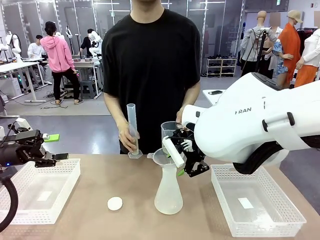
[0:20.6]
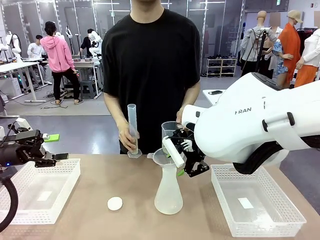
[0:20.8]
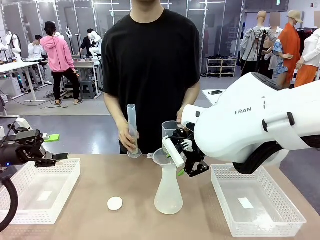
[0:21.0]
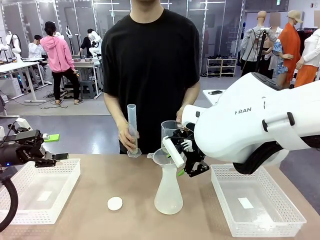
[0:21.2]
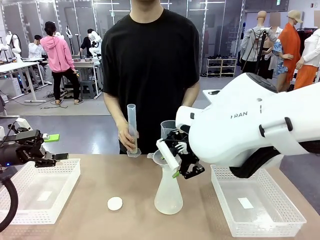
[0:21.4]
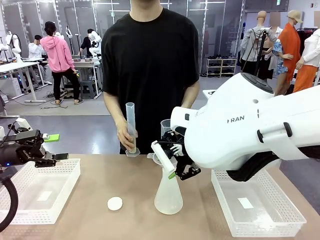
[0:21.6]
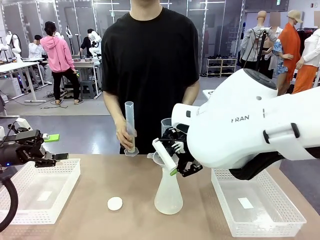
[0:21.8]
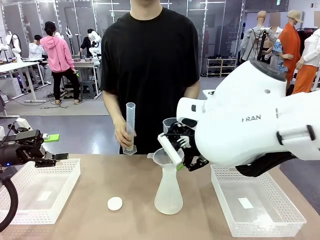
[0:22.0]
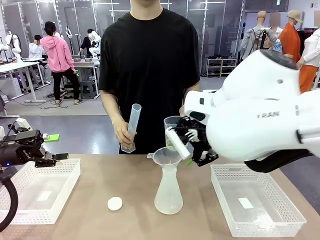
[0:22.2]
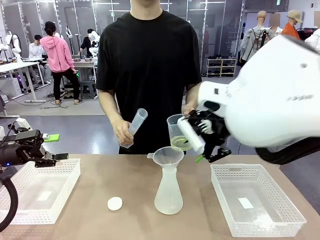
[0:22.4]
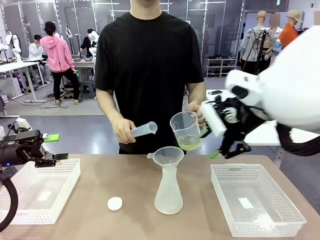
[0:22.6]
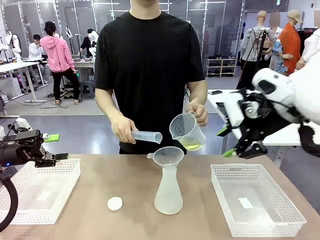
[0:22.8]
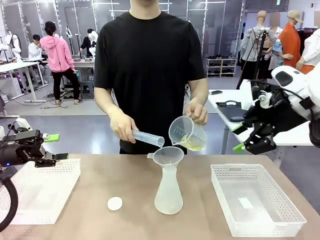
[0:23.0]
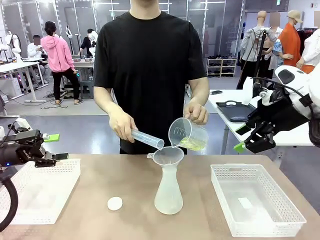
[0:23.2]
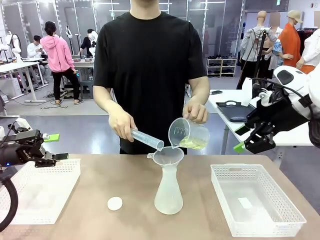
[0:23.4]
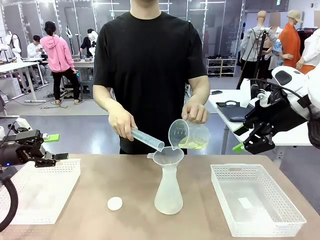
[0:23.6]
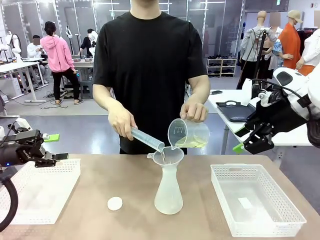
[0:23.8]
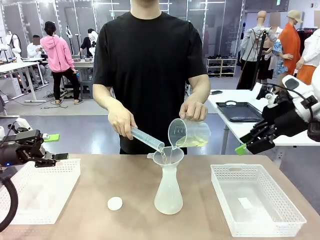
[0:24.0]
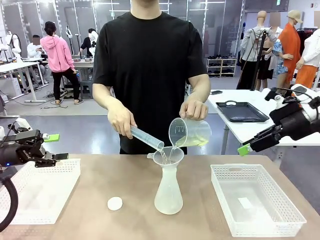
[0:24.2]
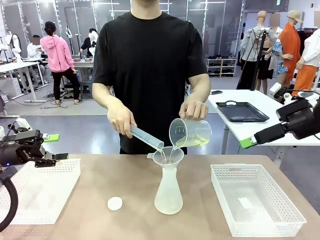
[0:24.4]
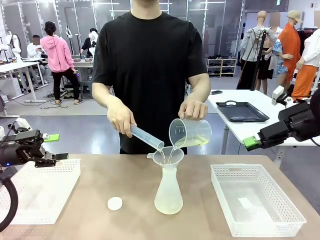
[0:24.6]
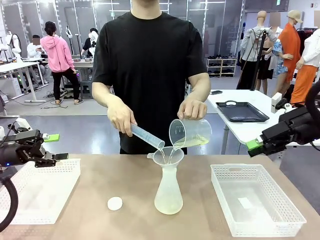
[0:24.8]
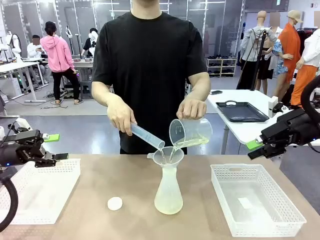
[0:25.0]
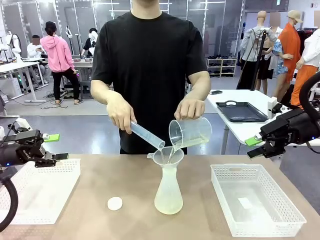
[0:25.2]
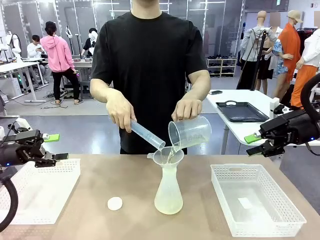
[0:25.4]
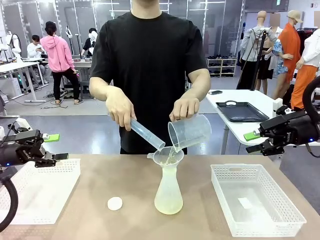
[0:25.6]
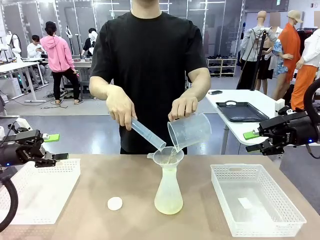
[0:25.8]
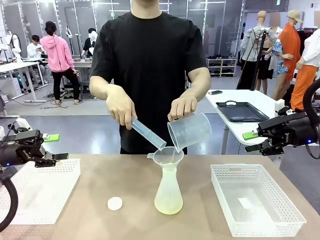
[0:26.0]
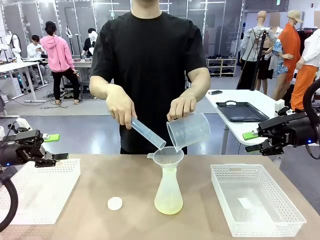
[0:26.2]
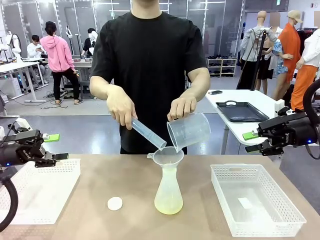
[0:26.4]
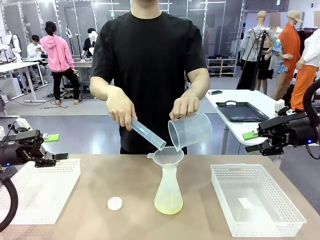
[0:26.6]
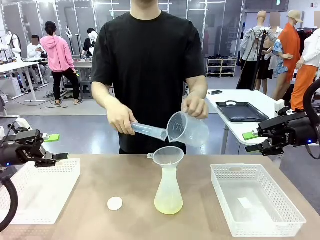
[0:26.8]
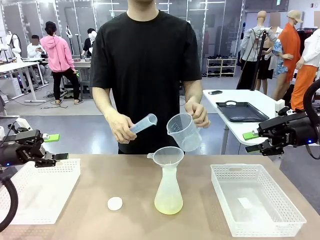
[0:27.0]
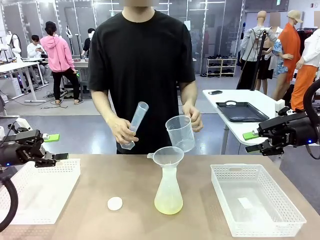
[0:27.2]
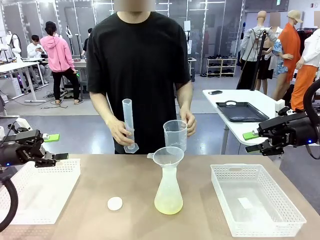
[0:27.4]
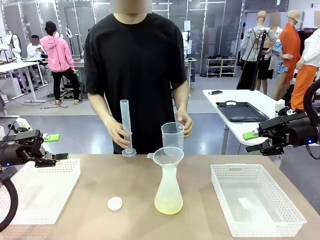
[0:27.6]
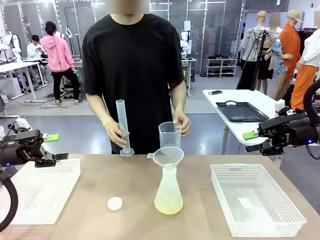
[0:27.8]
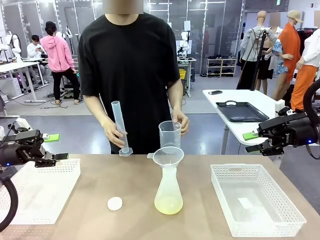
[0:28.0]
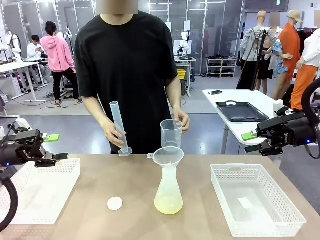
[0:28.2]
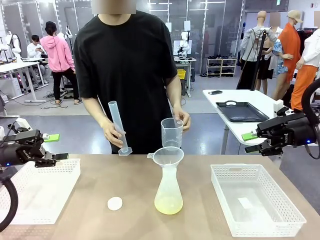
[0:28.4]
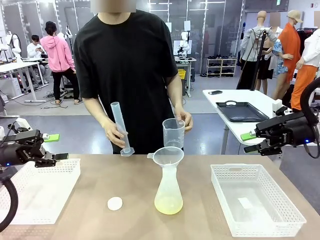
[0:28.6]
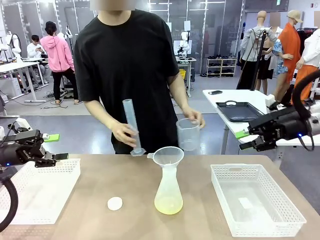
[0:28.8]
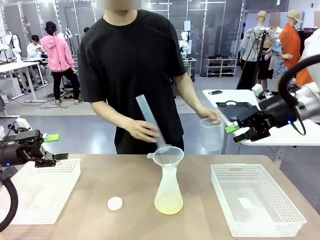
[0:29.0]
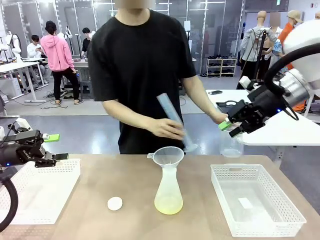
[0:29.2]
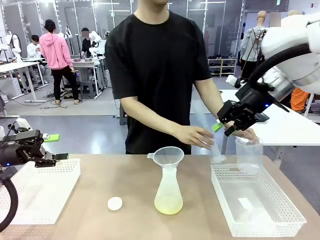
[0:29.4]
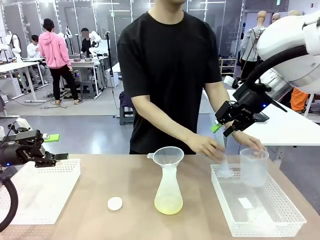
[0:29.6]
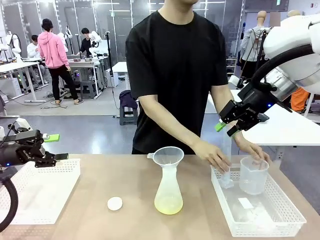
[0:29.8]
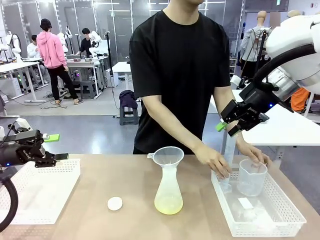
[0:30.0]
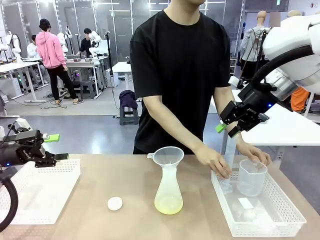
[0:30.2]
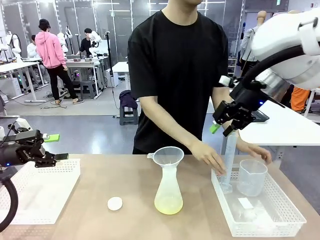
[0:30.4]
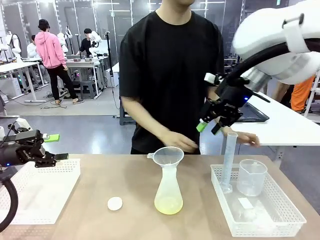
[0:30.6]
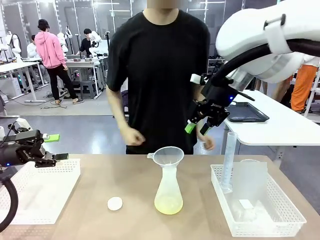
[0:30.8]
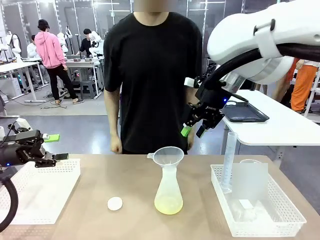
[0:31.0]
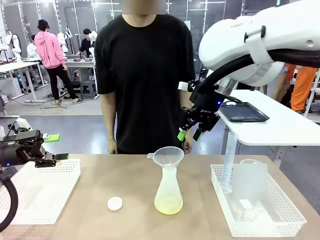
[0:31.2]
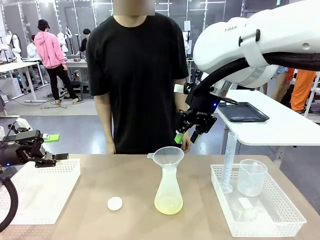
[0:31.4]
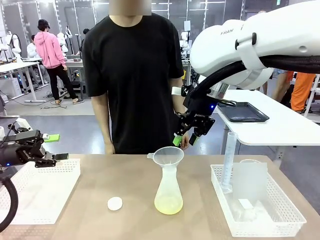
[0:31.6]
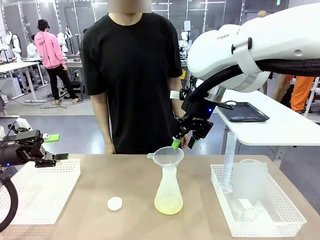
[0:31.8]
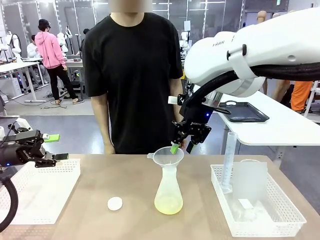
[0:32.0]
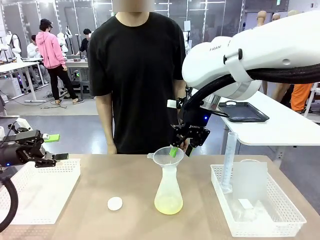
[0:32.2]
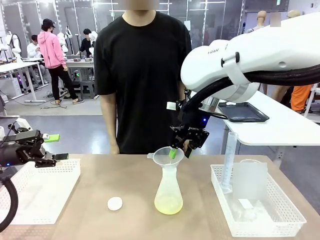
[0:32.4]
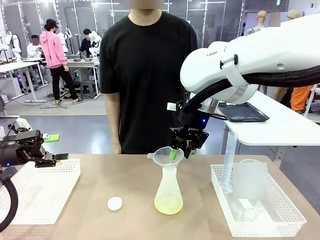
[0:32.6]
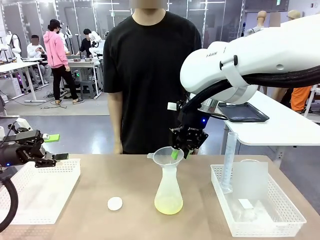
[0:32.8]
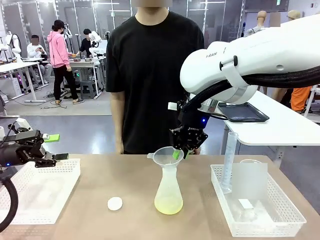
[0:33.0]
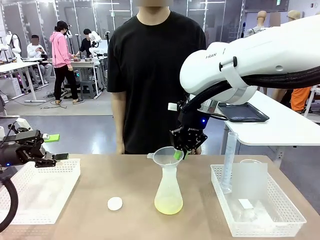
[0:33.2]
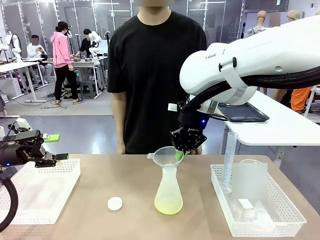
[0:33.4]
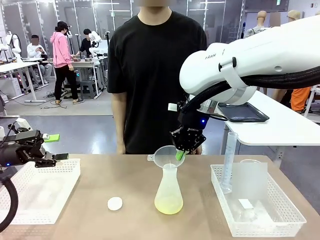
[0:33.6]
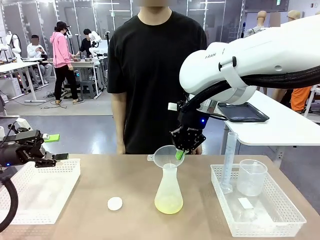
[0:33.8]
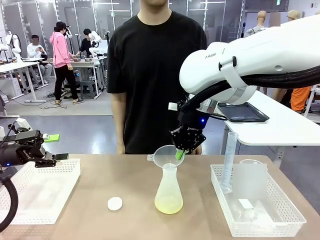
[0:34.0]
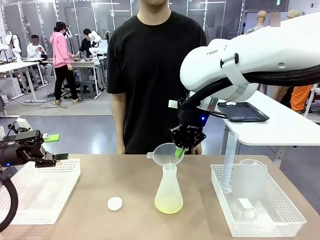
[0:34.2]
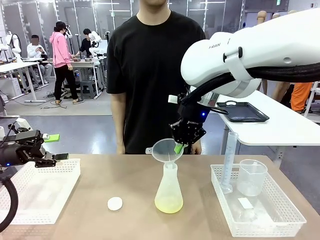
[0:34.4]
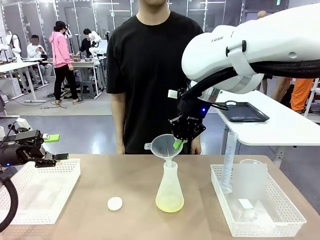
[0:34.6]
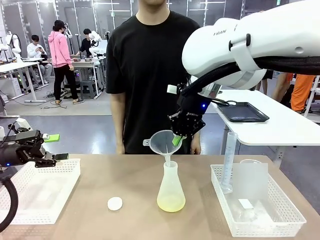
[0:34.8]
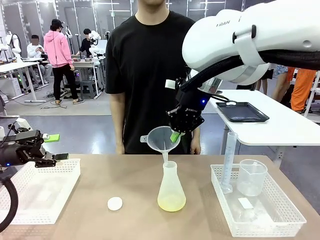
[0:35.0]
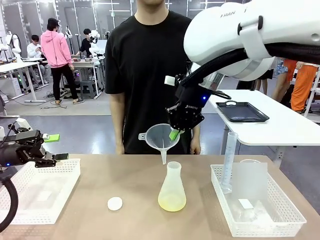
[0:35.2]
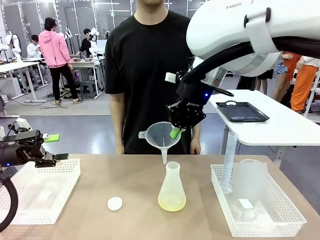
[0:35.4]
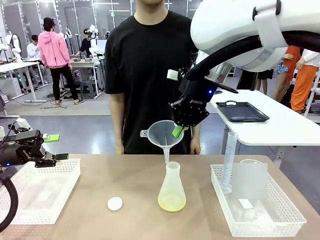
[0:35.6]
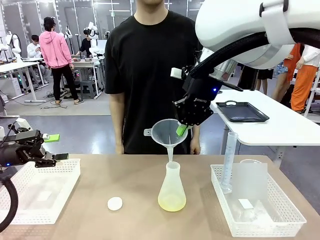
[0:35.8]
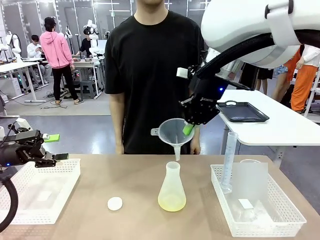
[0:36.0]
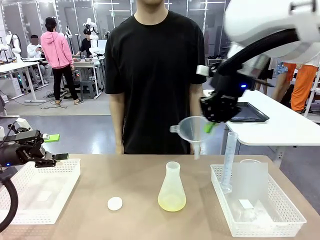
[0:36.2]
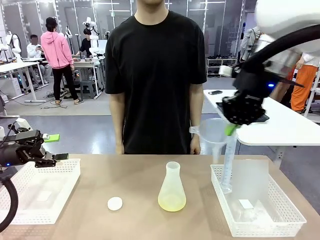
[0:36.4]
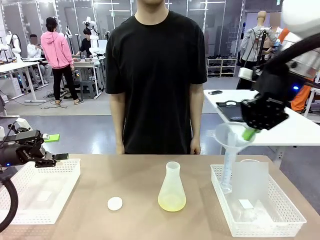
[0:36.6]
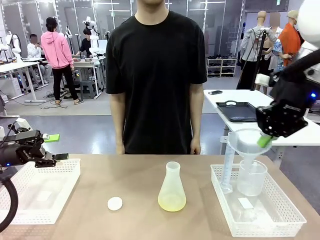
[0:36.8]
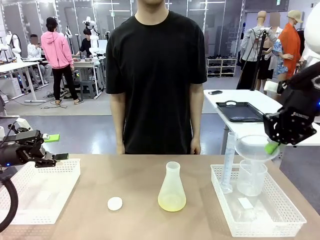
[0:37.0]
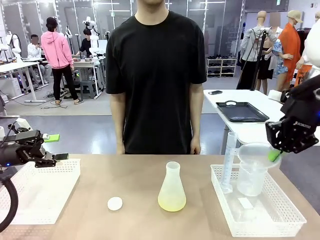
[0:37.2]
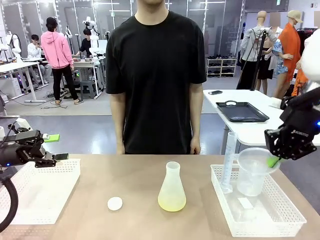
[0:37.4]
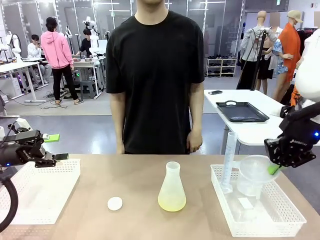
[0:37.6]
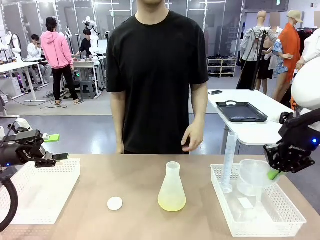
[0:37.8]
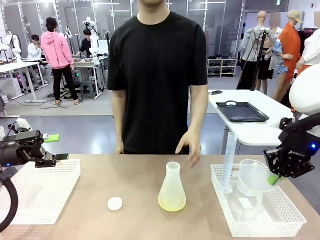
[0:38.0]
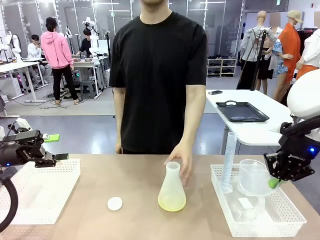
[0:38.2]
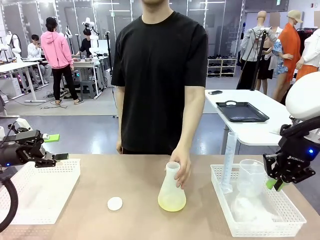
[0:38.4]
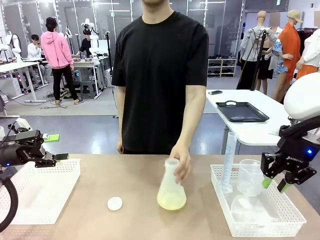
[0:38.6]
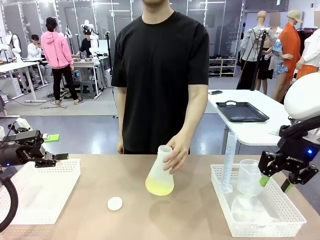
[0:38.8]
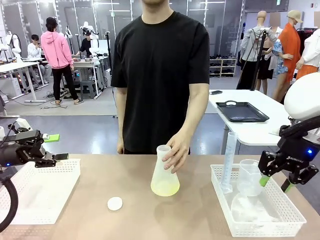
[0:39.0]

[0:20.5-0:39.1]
Task: Prepare the solutions needed for the experiment.
Robot: Once the solution is in the Big flask , pick up the Plastic Funnel and place it back into the right Organizing basket.
Person: Place the beaker and the cylinder into the organizing basket on the left side. Pick up the flask, gently shake it 2–3 times, place it in the middle of the robot table, and close the lid.
